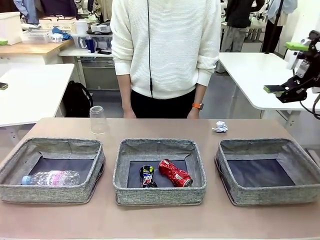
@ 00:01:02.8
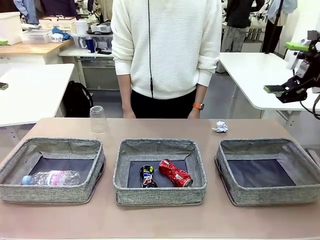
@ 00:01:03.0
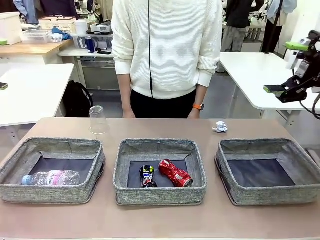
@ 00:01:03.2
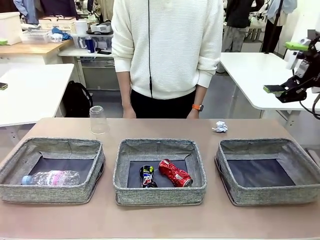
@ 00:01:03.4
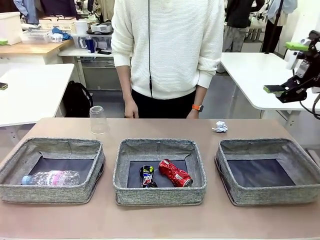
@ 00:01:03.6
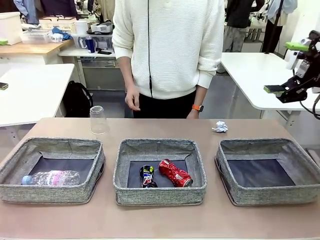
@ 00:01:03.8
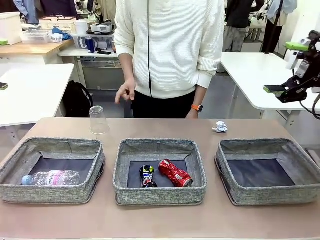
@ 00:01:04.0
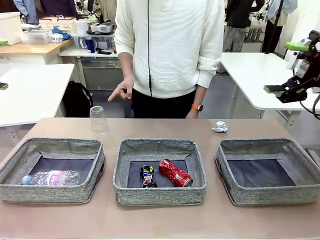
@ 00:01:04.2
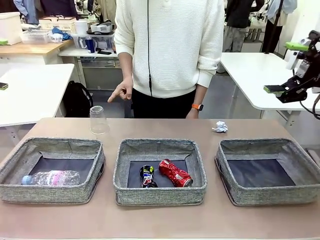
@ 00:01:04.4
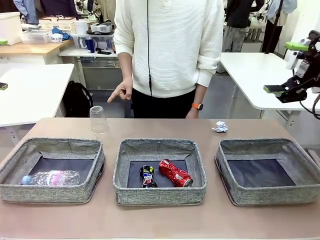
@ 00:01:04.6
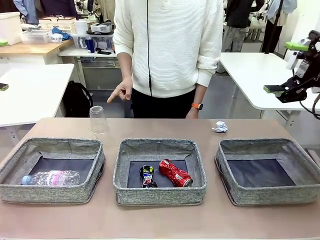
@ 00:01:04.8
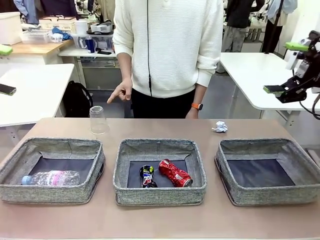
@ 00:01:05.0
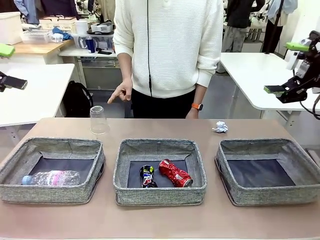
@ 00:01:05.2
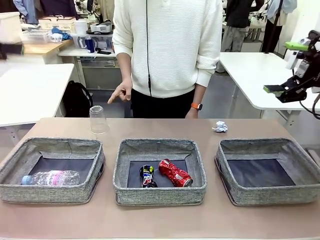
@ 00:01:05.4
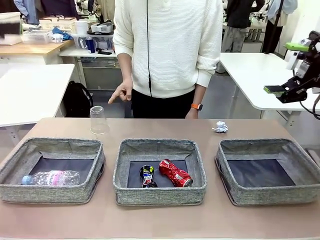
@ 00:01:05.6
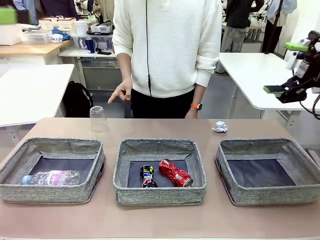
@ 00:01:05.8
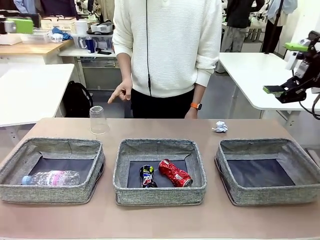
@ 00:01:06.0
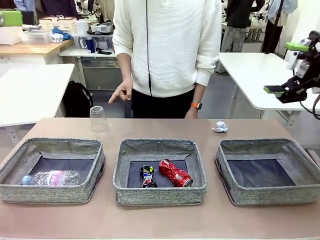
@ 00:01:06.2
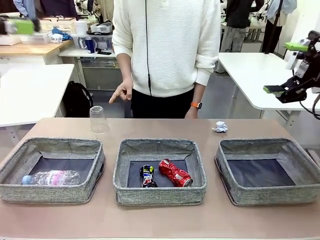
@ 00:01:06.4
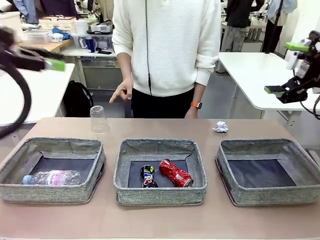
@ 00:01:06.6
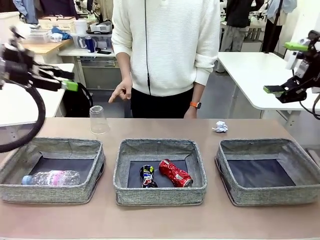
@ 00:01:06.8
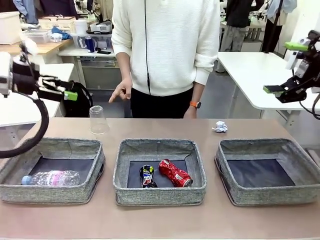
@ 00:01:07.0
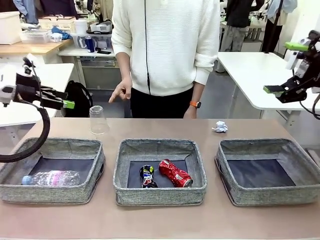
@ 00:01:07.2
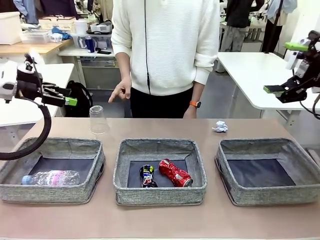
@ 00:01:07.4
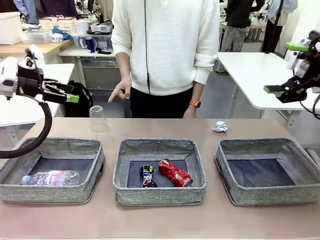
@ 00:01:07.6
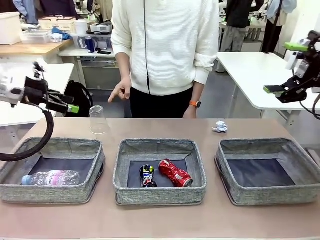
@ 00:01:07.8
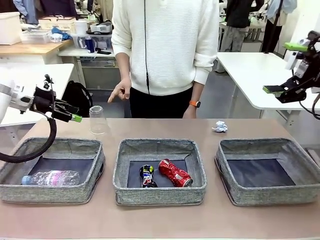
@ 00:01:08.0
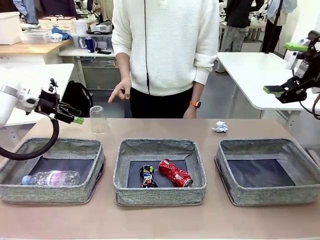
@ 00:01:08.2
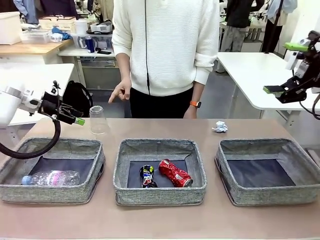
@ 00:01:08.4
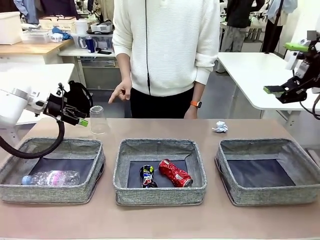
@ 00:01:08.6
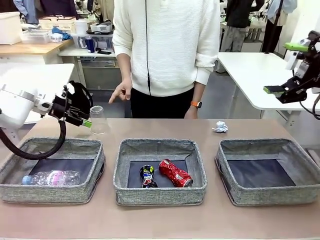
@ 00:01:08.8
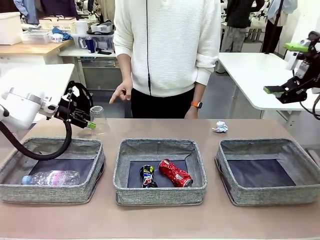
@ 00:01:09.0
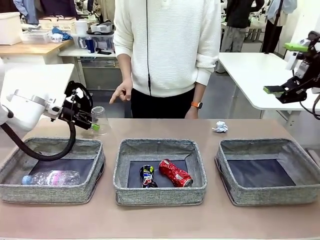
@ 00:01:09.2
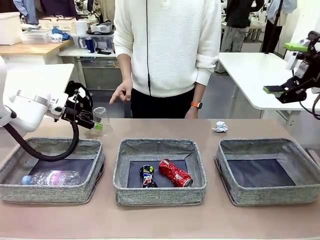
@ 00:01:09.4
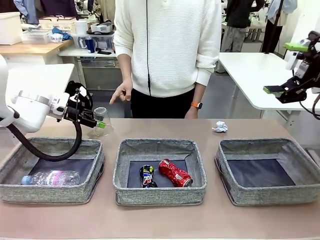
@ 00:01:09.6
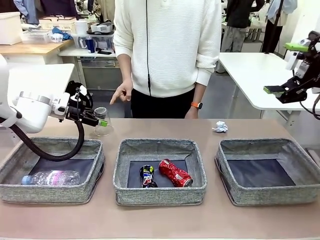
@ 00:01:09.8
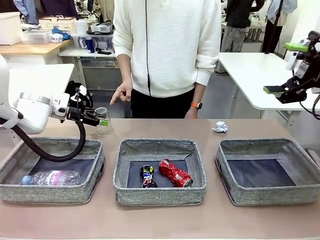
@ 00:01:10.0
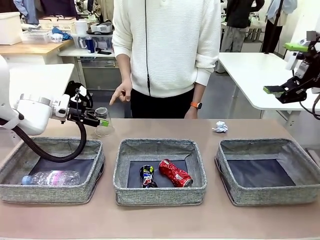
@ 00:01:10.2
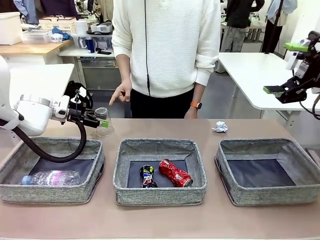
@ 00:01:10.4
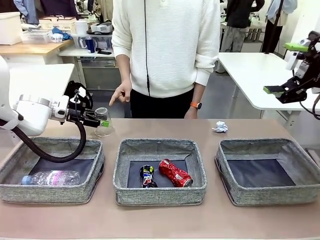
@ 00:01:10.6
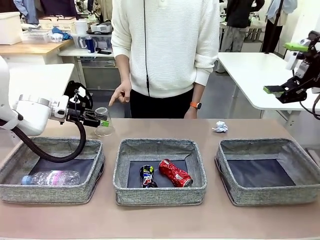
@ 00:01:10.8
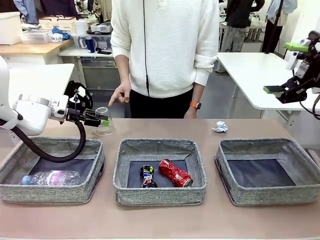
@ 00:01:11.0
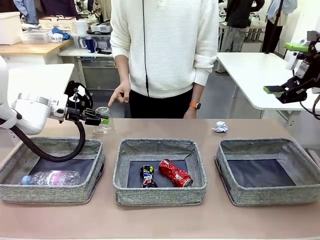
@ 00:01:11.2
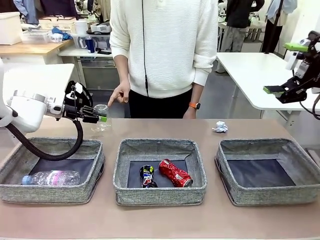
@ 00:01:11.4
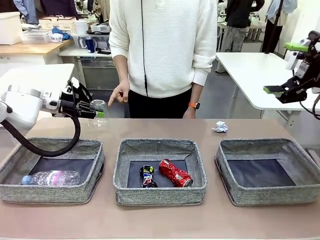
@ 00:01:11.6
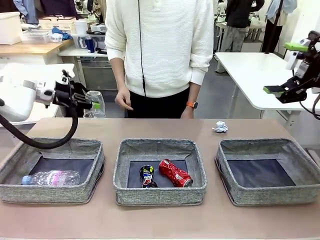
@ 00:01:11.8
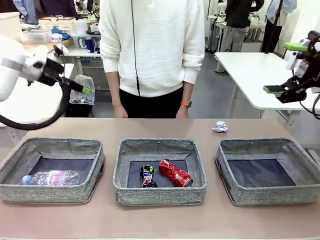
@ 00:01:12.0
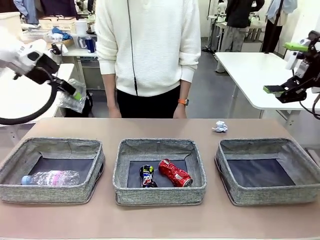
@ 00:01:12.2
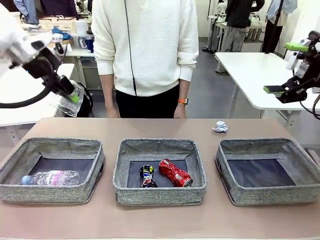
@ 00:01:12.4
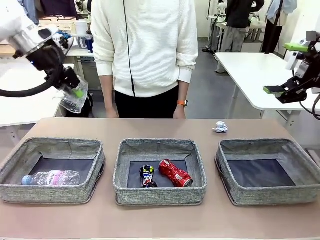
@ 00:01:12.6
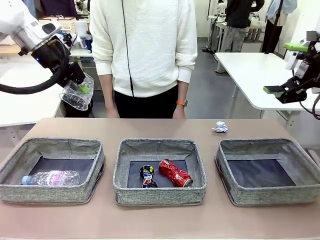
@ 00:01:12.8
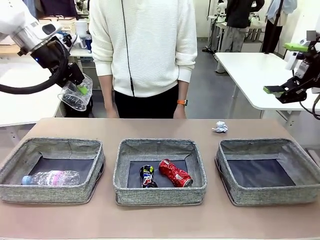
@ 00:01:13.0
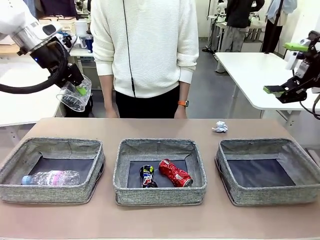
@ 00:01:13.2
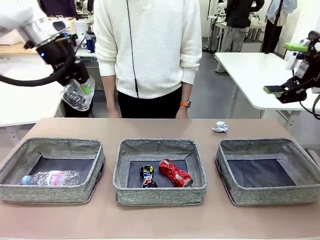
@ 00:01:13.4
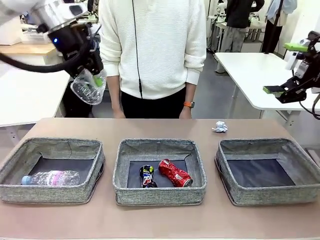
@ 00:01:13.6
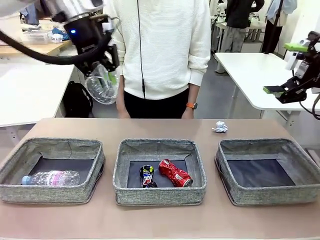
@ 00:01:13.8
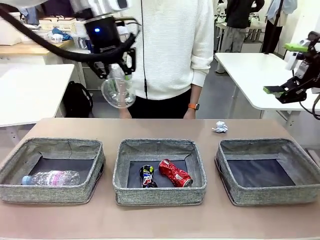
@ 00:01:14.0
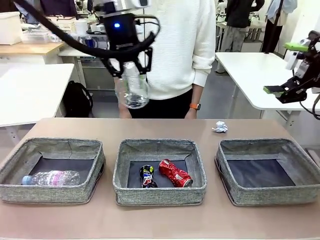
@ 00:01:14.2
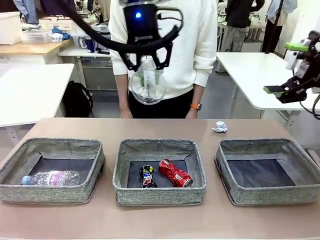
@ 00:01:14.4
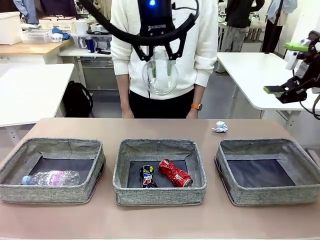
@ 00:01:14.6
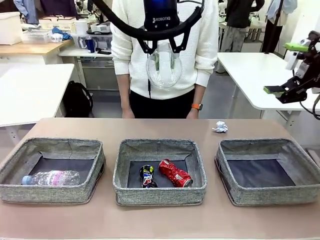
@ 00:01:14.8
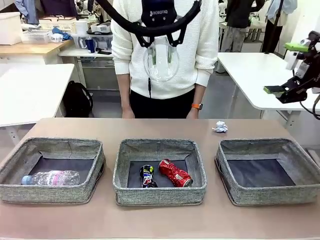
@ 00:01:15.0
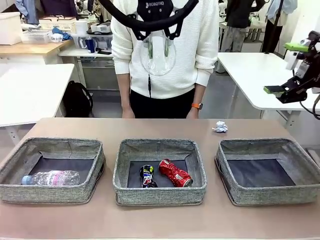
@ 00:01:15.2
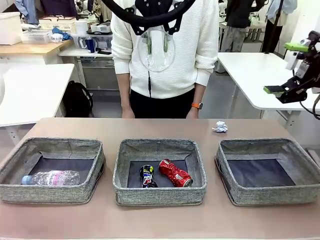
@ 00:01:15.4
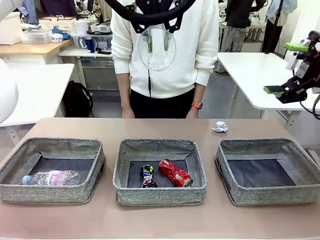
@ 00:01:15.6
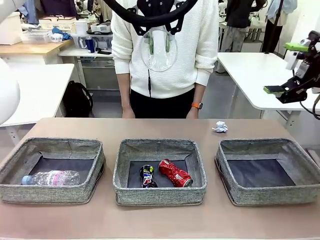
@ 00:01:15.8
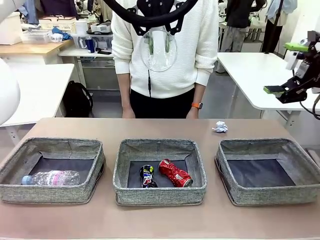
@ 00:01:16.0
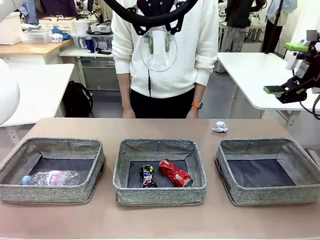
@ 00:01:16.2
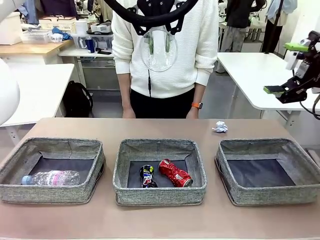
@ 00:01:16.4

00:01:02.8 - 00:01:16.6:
Task: Sort the waste into the appropriate baskets.
Robot: Pick up the waste item pointed out by the person.
Person: Points to one piece of trash on the table.

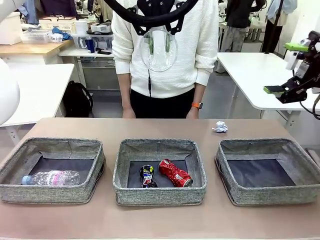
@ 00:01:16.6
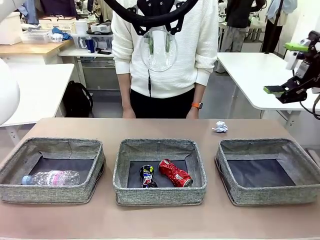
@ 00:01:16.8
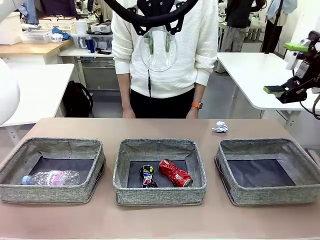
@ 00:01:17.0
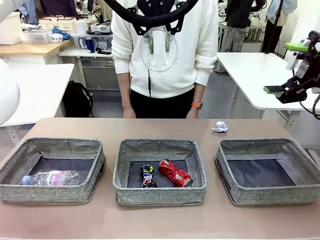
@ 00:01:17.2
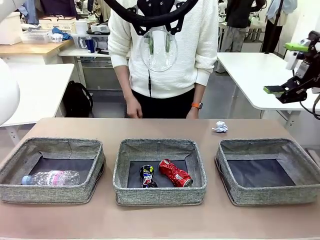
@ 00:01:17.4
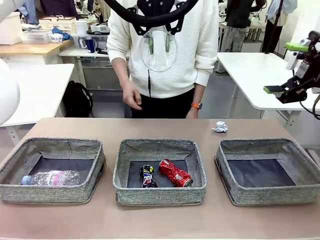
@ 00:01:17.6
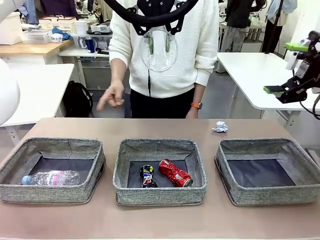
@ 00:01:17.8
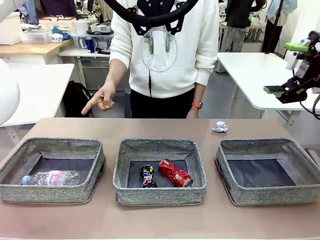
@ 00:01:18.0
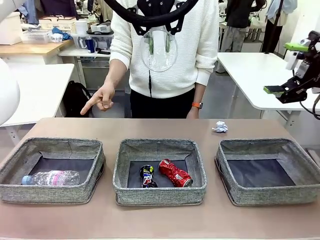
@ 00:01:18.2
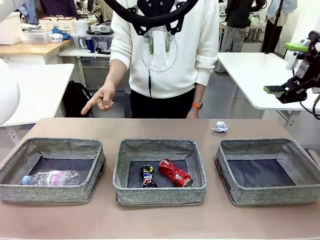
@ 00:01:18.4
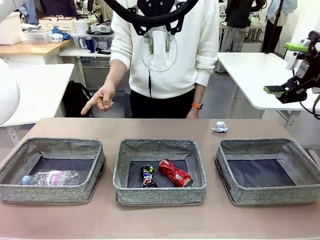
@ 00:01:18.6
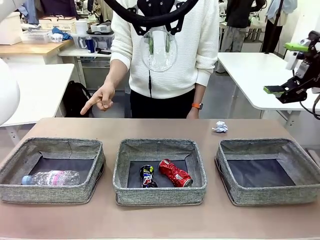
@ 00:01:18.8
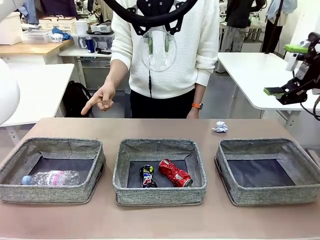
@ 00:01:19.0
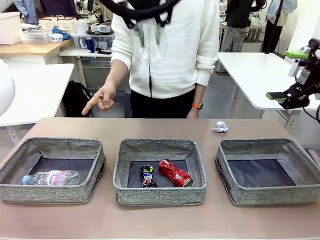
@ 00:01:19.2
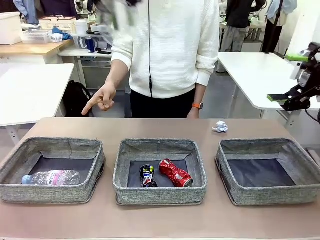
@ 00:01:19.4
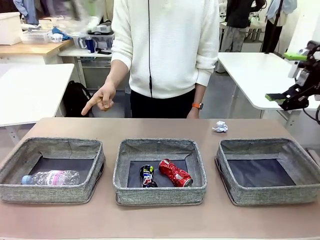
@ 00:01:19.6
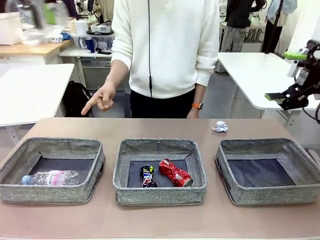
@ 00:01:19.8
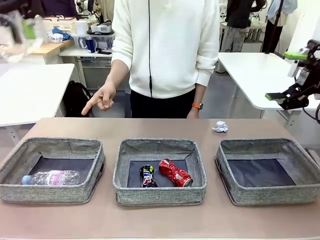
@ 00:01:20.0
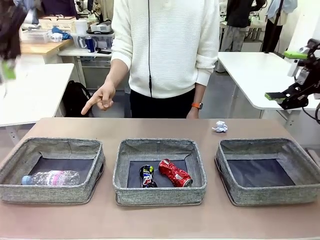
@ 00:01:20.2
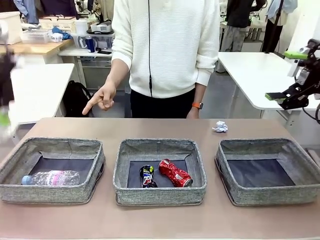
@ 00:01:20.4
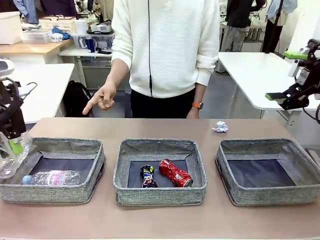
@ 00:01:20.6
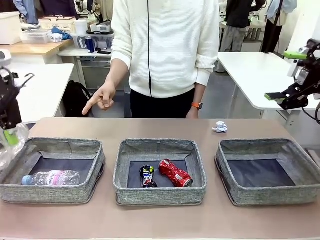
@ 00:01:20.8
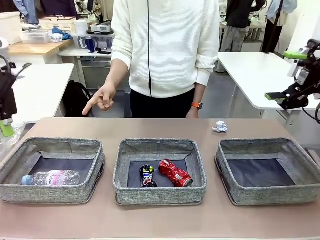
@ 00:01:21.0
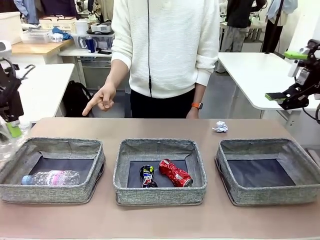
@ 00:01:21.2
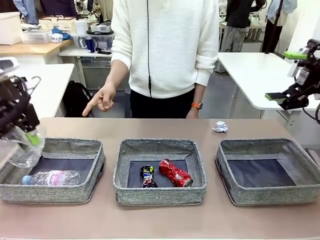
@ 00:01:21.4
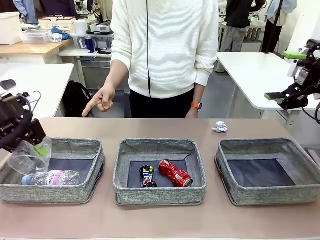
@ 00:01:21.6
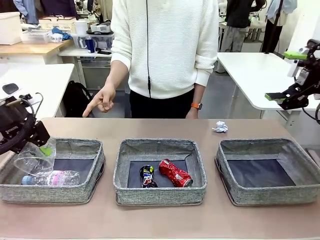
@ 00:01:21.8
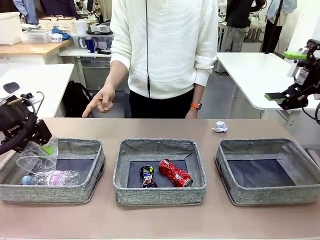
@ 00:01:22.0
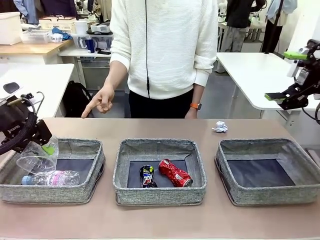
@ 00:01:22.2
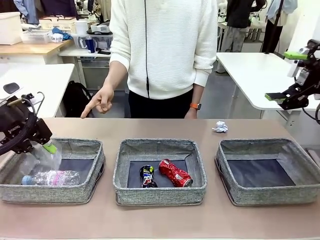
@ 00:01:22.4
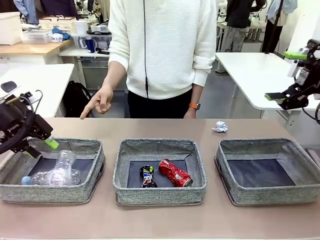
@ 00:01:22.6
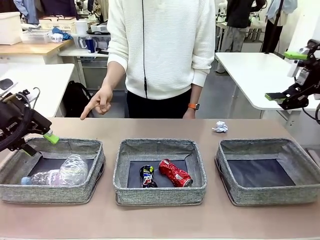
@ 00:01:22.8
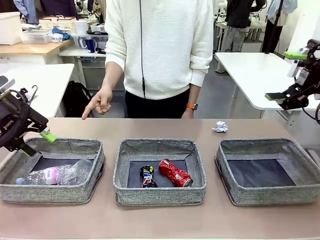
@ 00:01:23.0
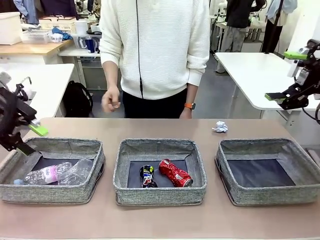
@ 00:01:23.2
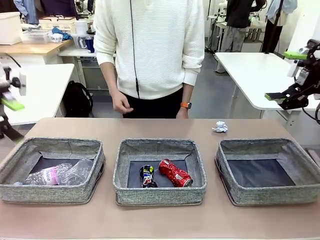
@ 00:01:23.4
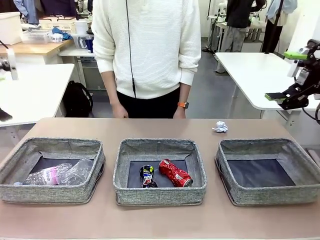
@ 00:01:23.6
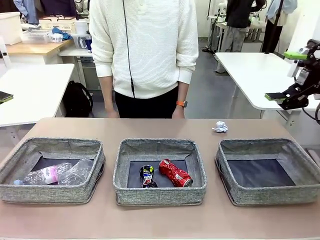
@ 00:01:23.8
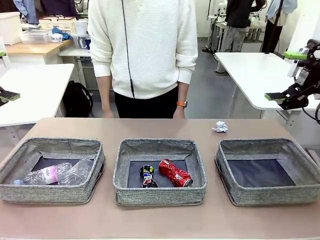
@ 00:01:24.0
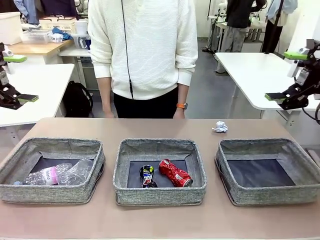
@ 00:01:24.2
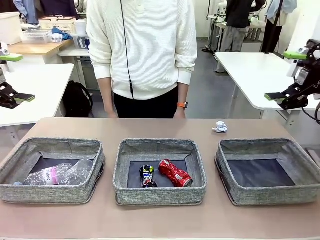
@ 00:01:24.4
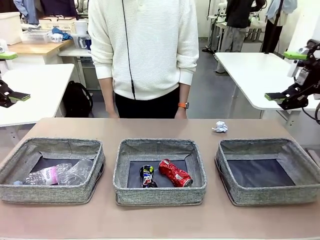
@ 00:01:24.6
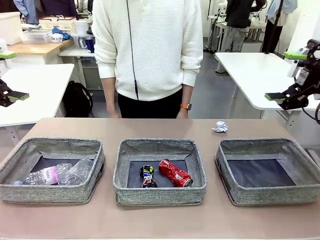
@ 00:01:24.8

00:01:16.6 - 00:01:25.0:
Robot: Place the picked waste into the Fabric basket indicated by the person.
Person: Instructs the robot to place the picked-up trash into the appropriate organizing basket.
